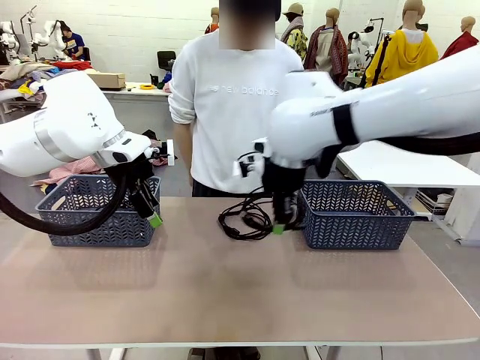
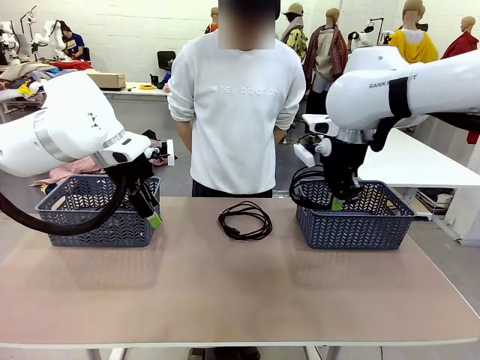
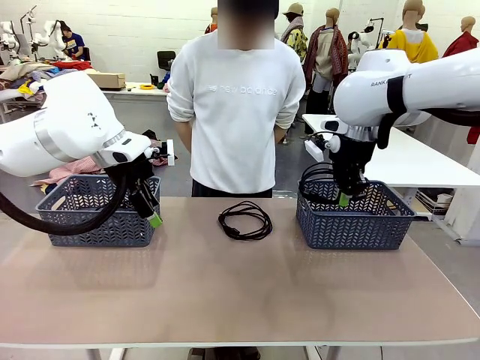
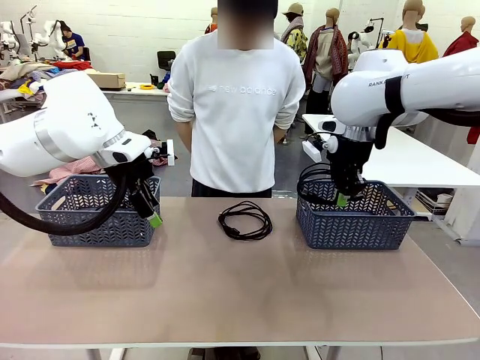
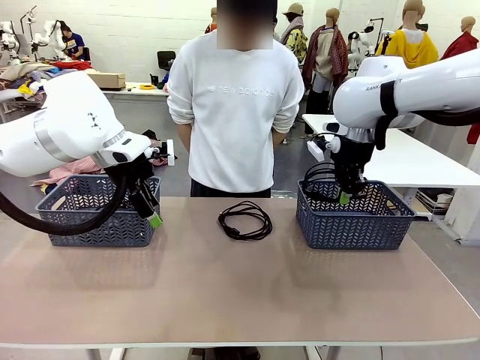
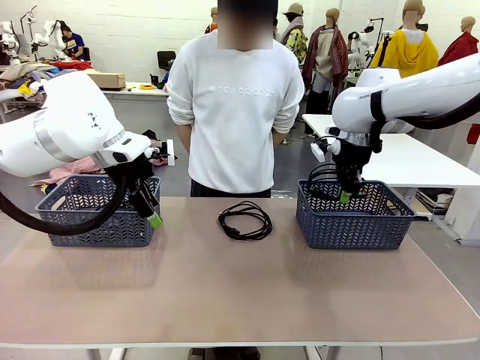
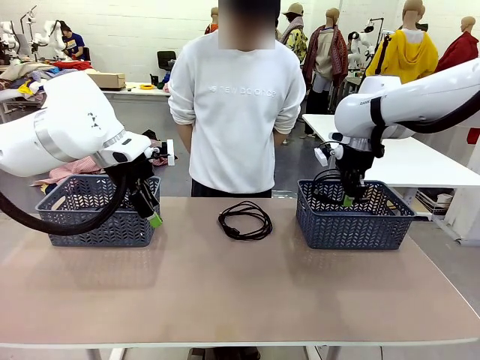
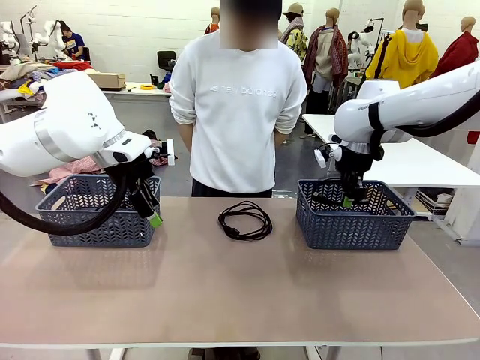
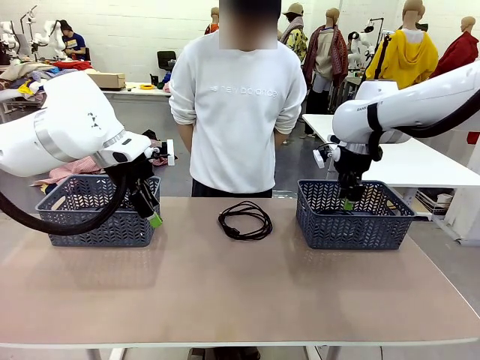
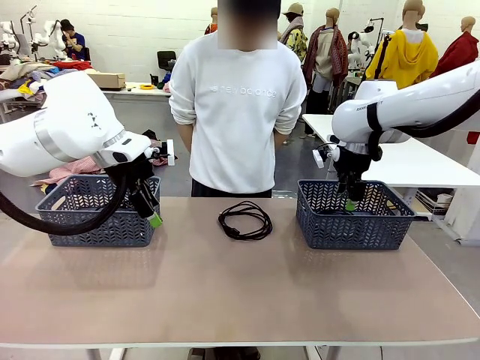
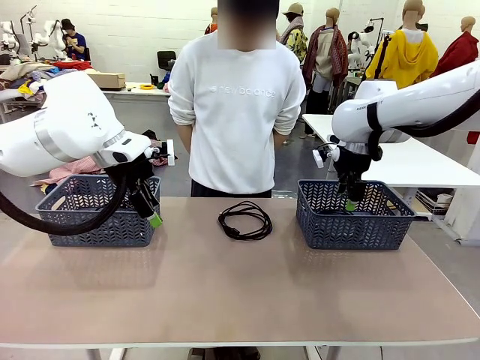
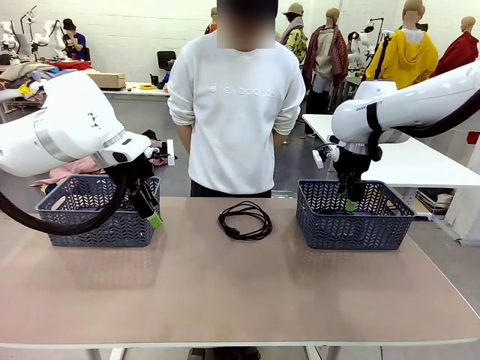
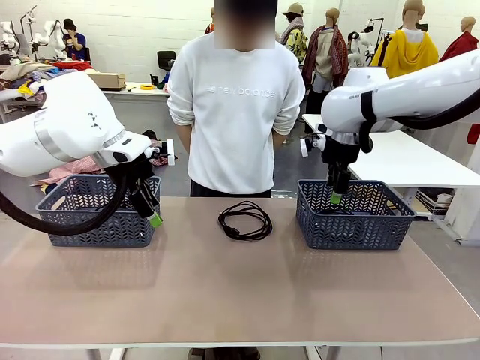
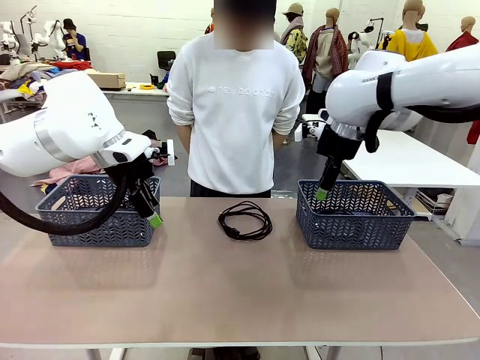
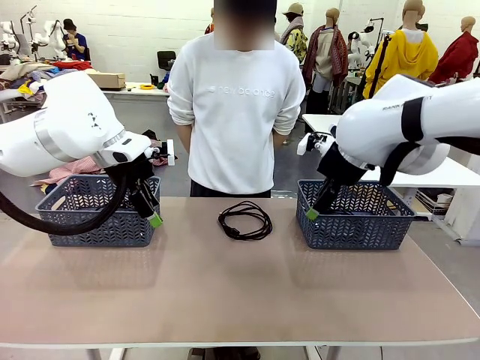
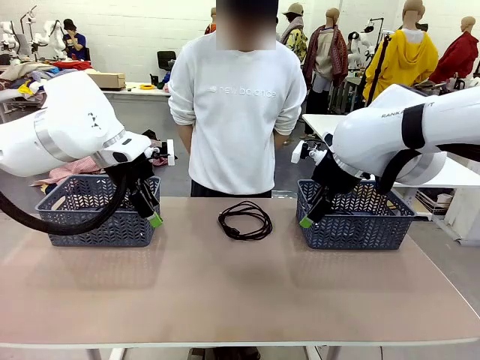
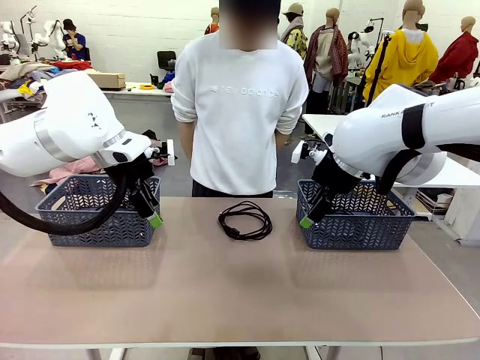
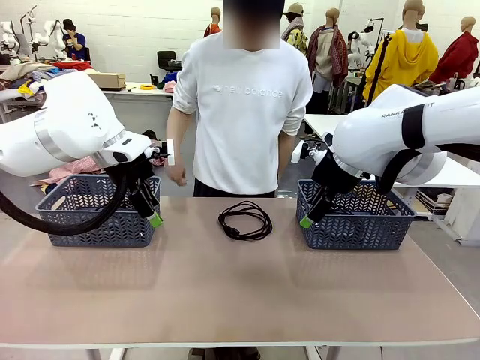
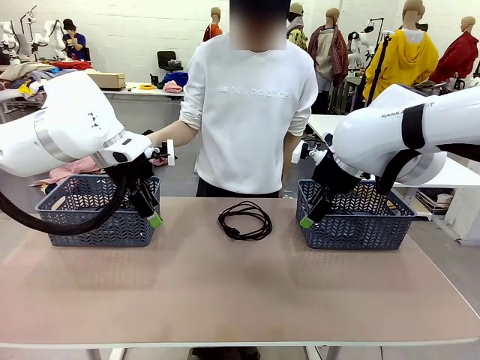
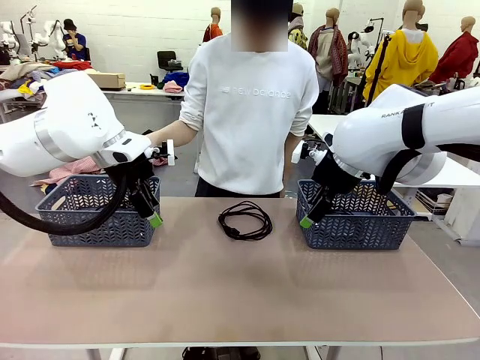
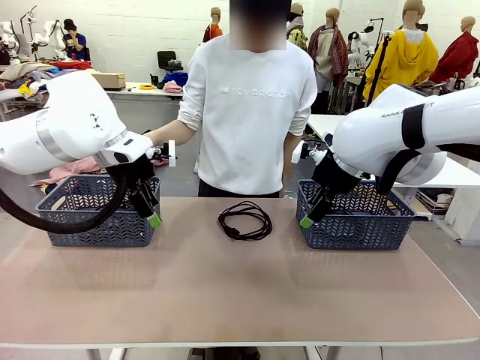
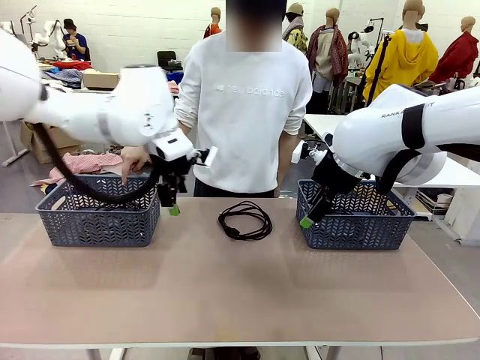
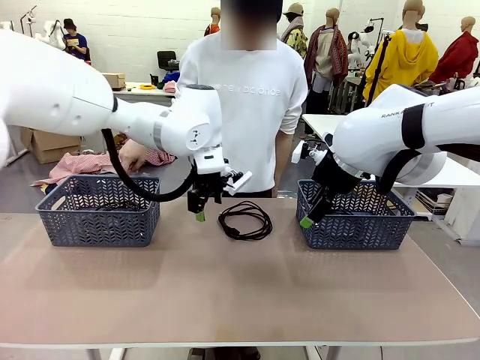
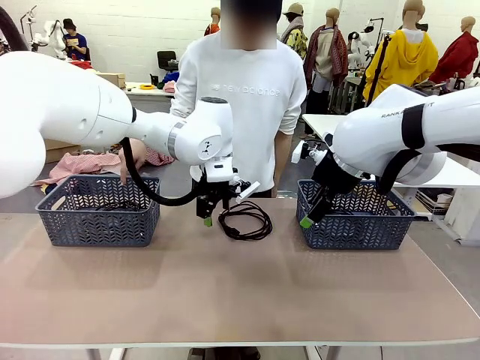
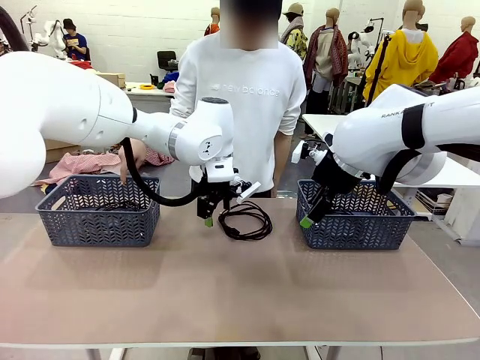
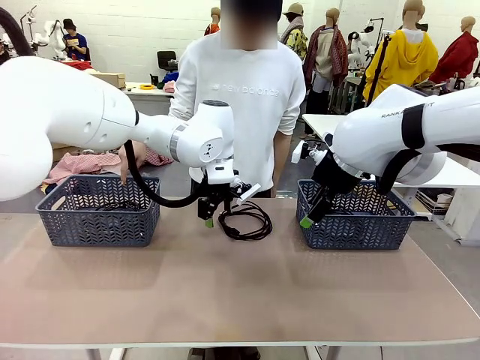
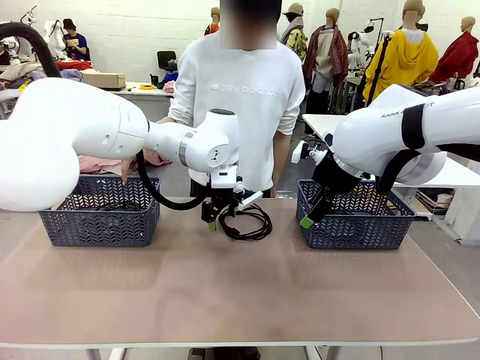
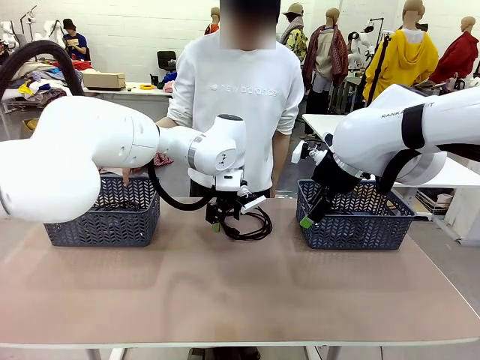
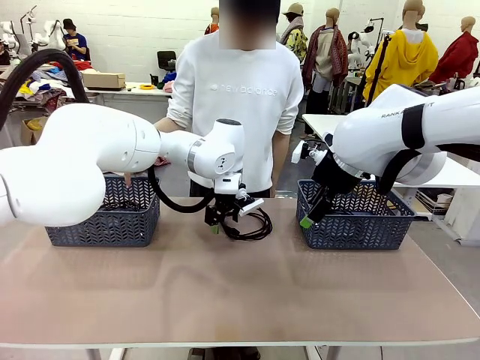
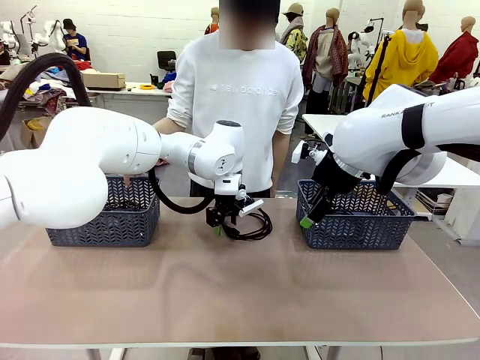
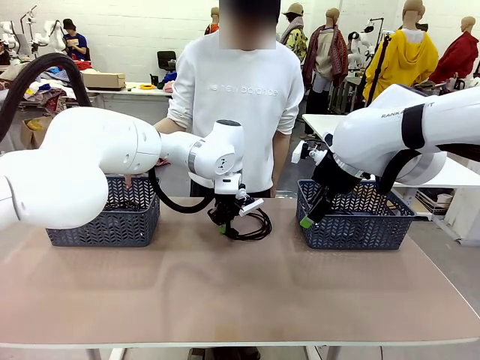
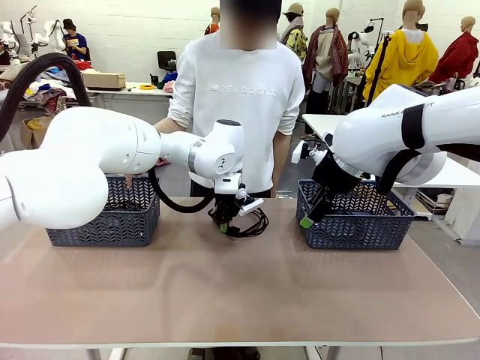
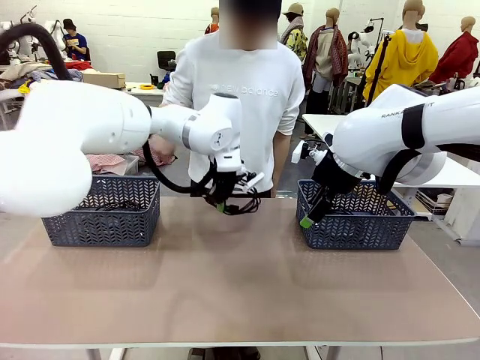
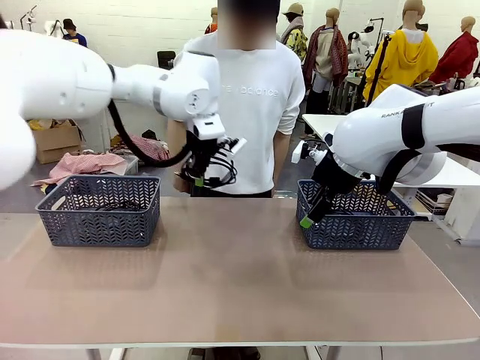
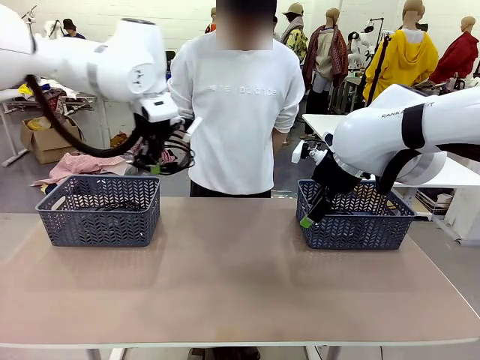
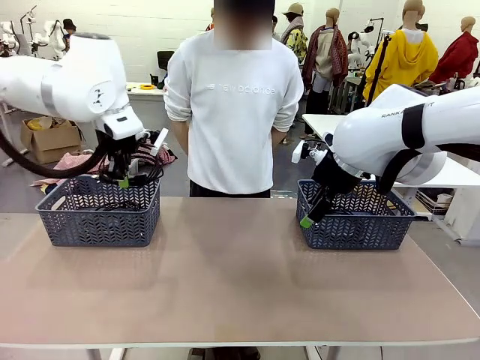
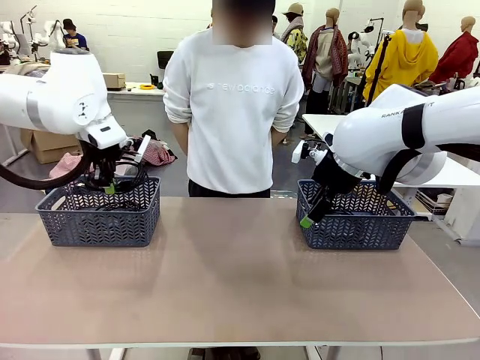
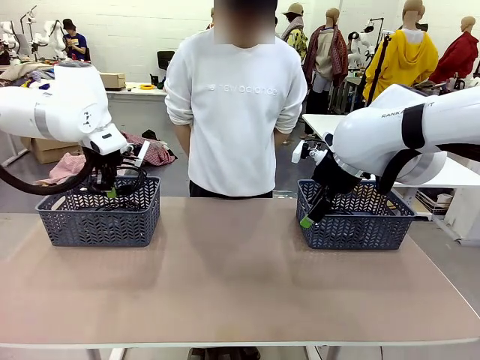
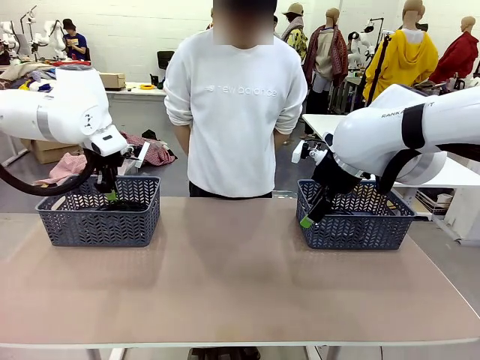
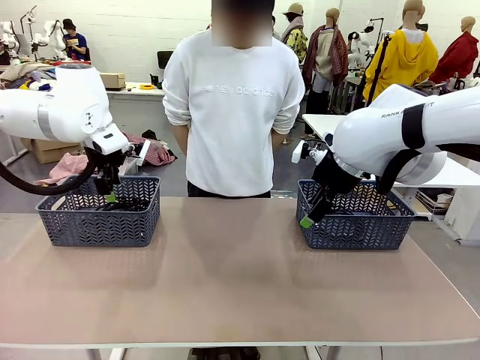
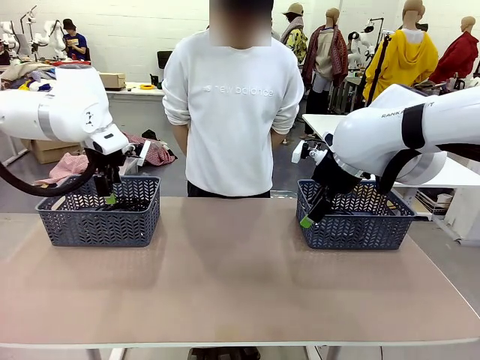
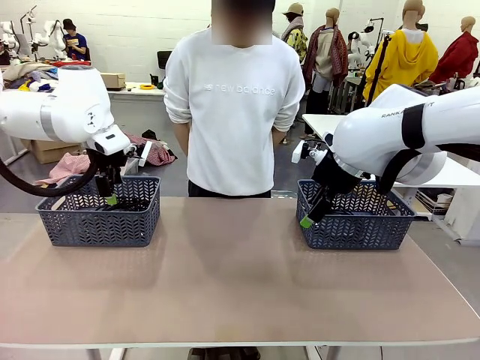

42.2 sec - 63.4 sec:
Task: Organize the cables according to human instructions.
Robot: Pick up a bundle of cables and place it in the basket indicated by the human.
